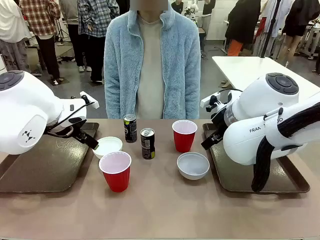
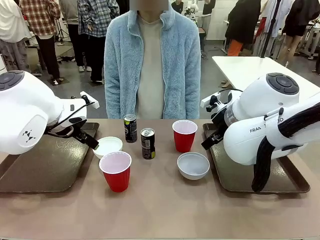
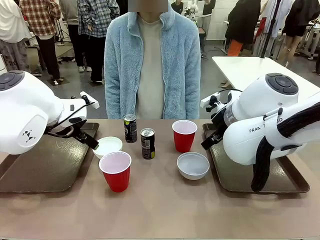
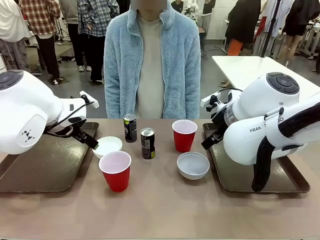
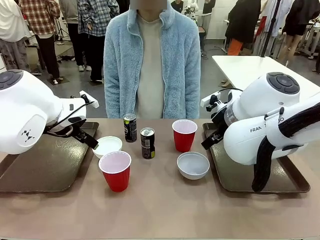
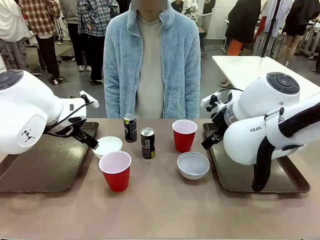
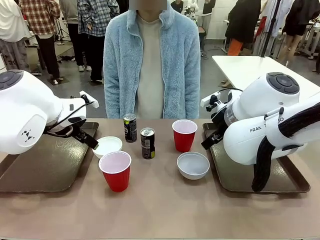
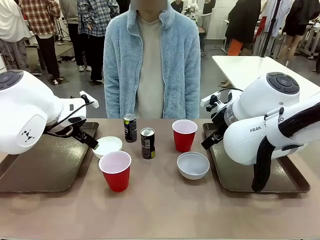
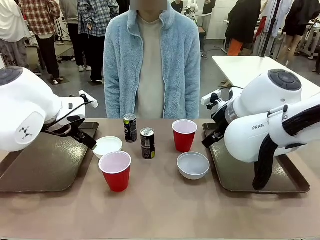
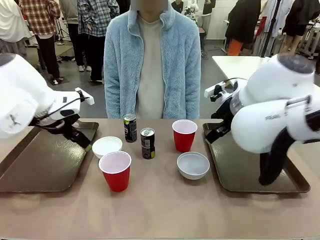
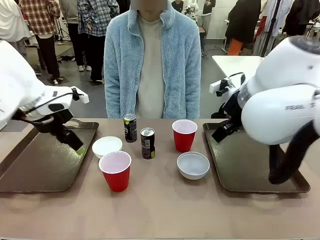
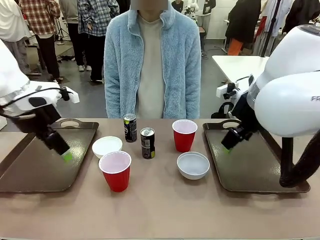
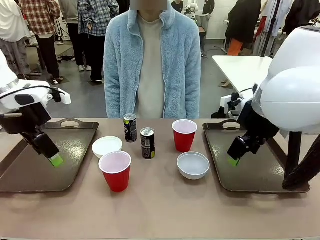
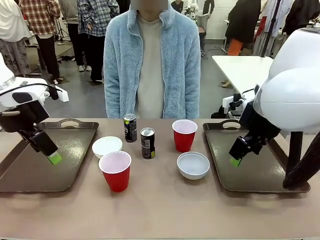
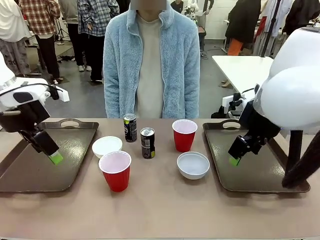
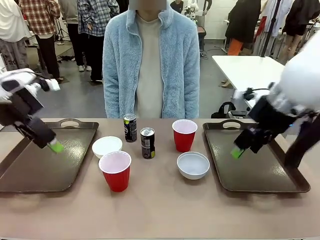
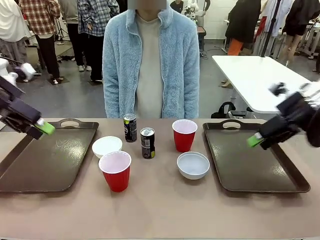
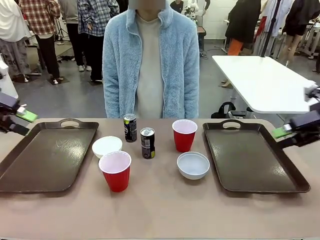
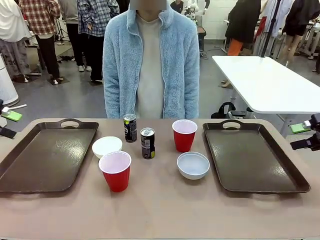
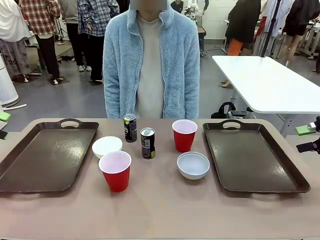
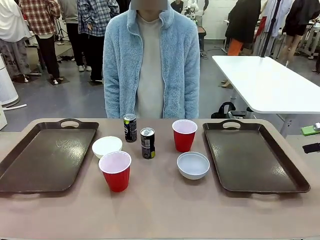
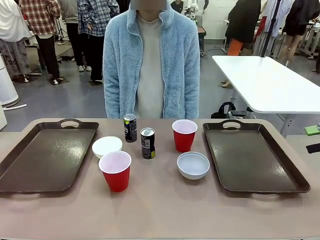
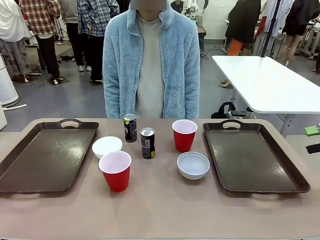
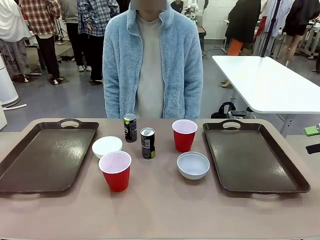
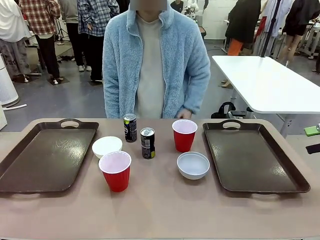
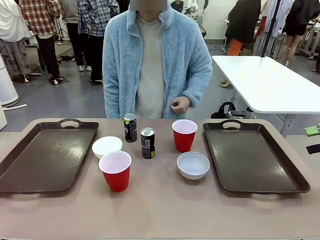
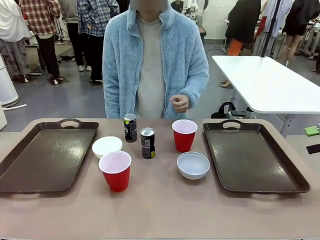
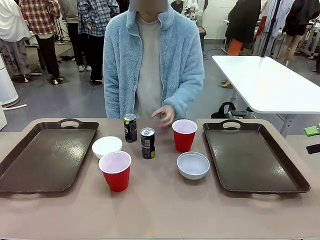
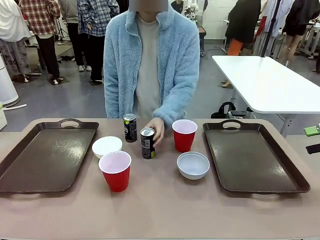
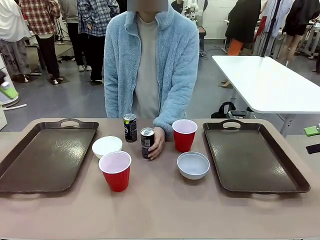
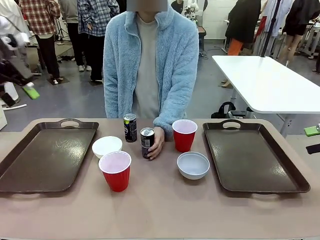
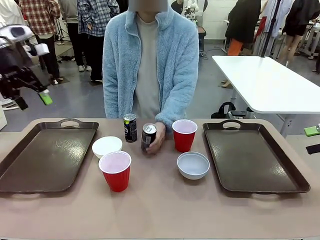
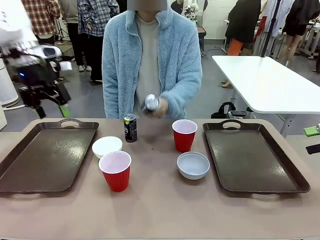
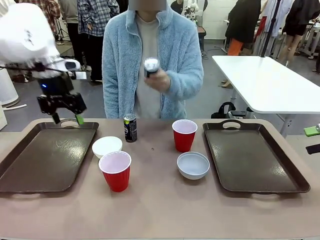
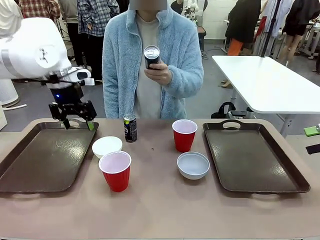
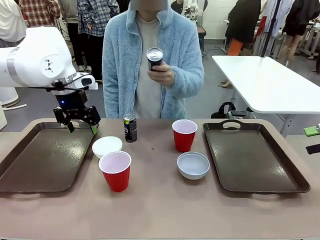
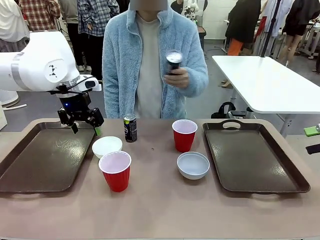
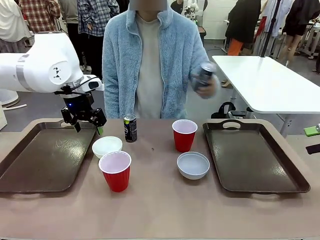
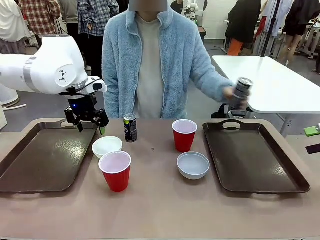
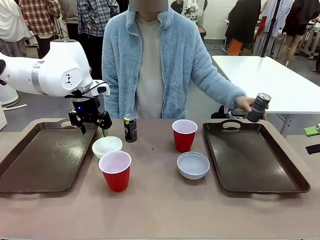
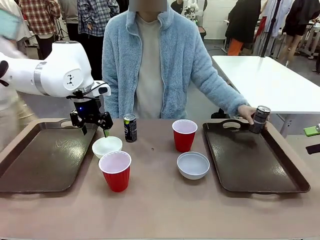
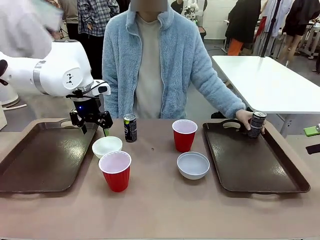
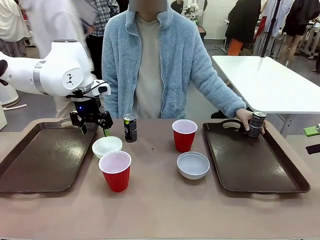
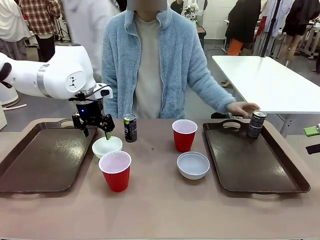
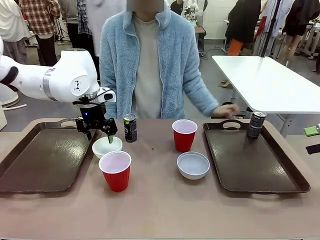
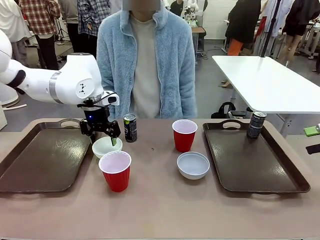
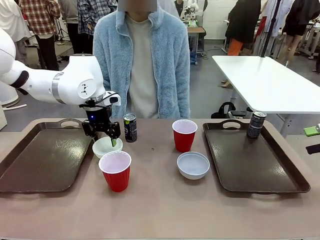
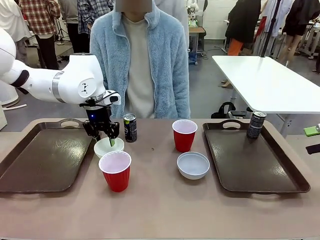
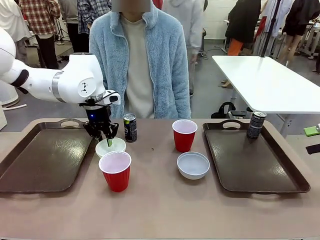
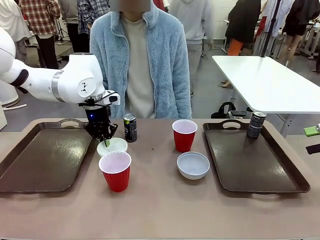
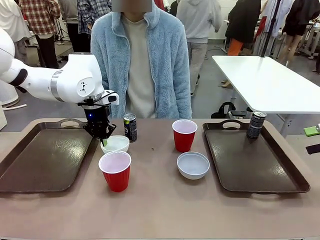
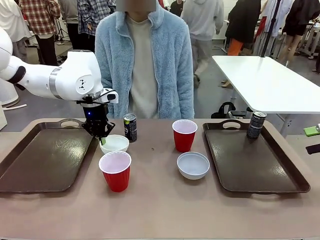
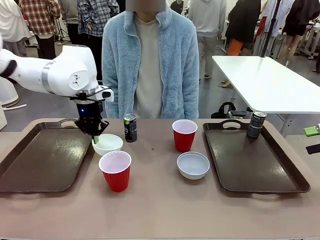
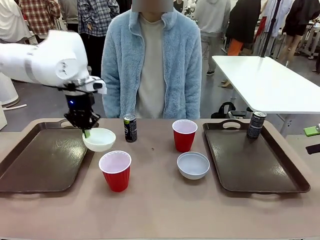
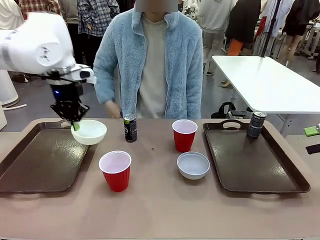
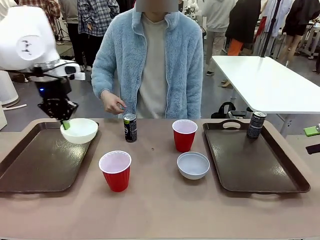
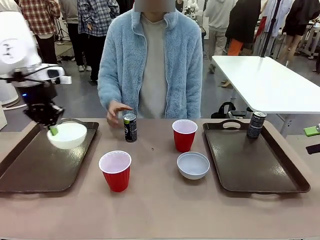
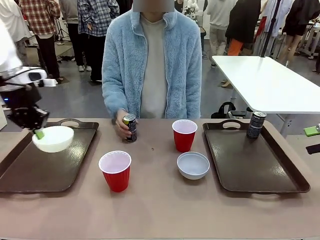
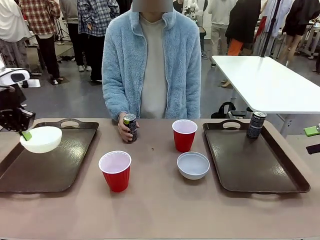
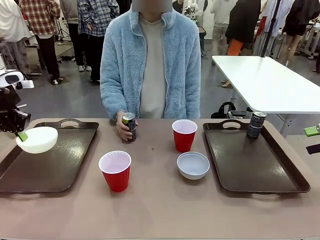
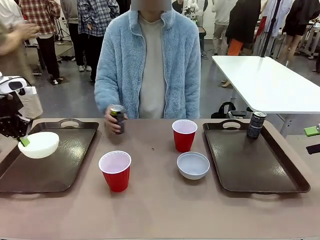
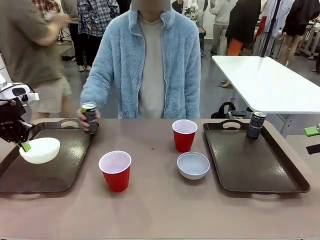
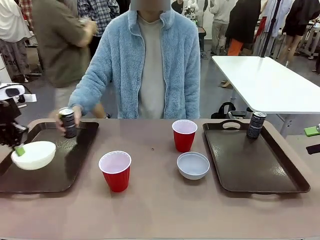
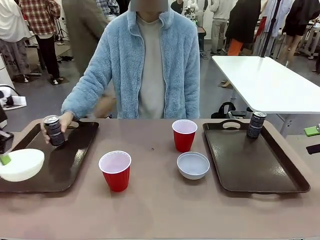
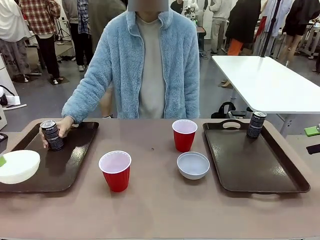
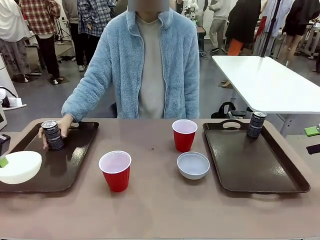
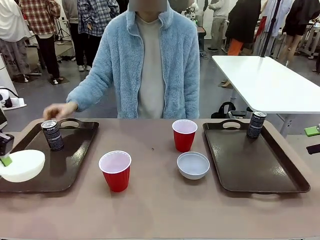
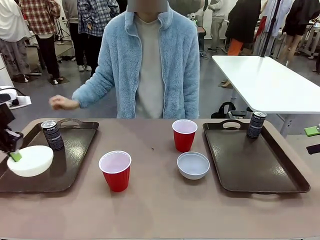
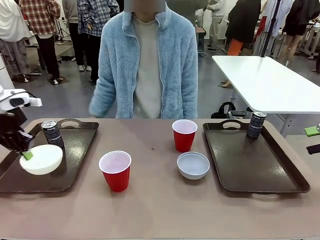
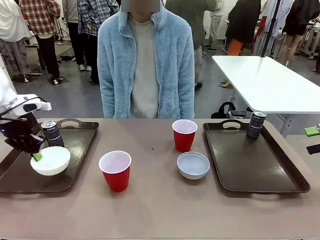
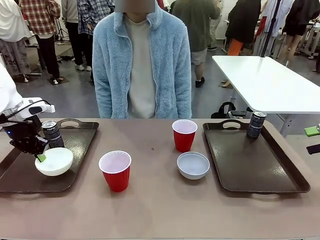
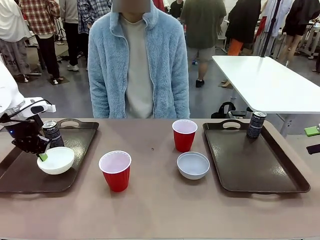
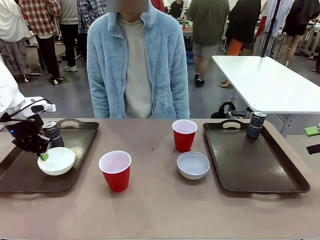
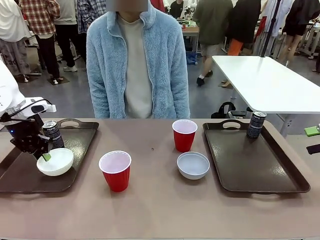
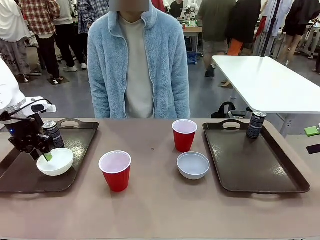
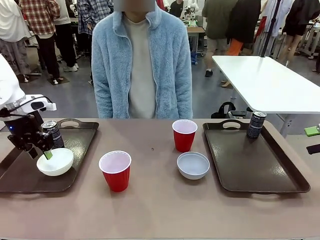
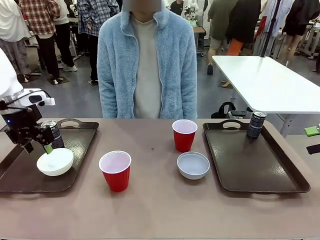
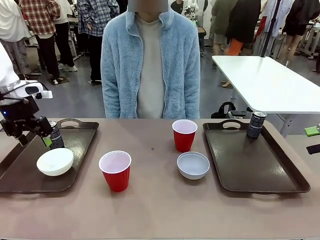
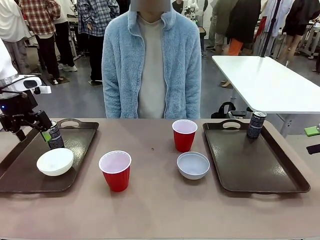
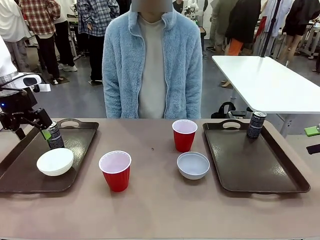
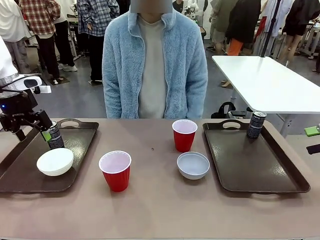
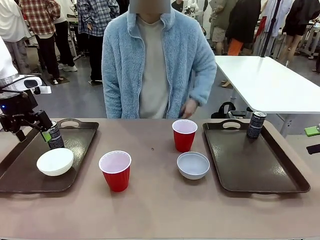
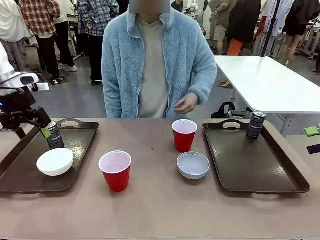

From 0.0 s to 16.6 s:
Task: Prepare tableware on both trays.
Robot: Pick up a Picnic Bowl from the table and place it on a Handle tray.
Person: Pick up a can or cup and place it on the tray.
